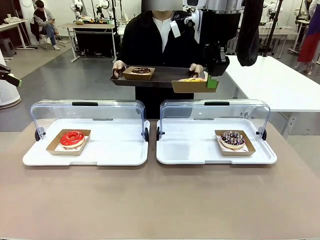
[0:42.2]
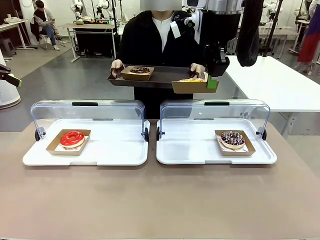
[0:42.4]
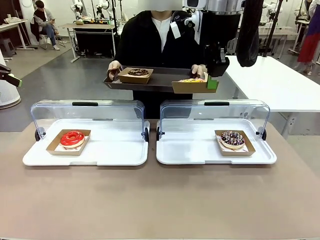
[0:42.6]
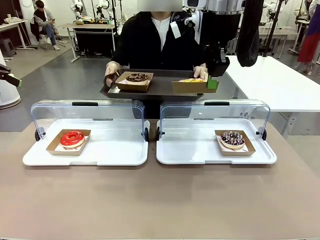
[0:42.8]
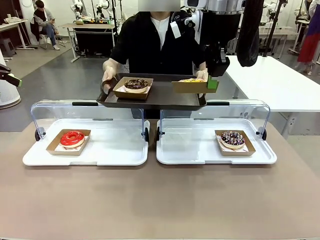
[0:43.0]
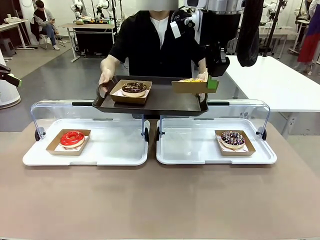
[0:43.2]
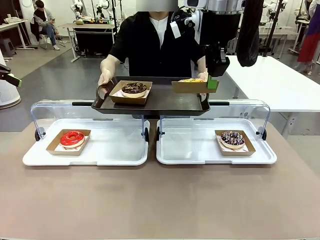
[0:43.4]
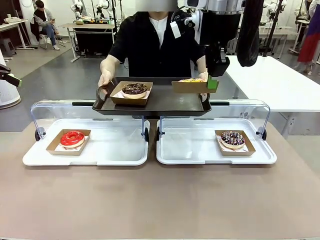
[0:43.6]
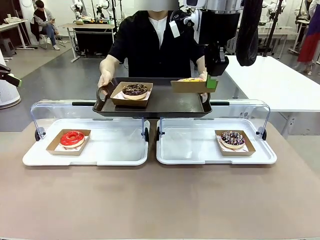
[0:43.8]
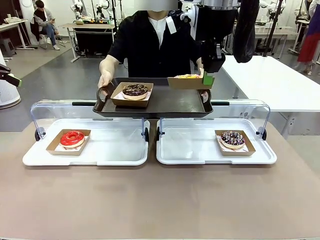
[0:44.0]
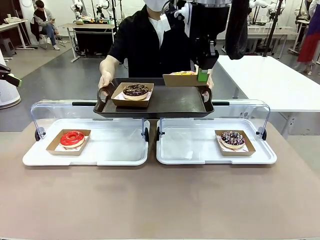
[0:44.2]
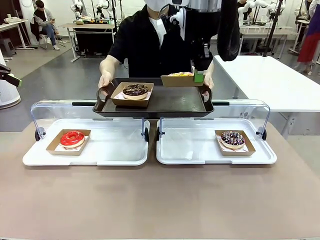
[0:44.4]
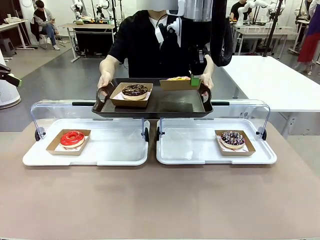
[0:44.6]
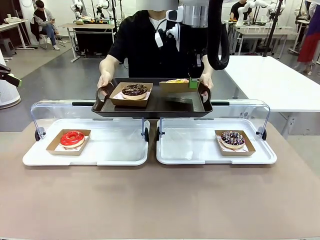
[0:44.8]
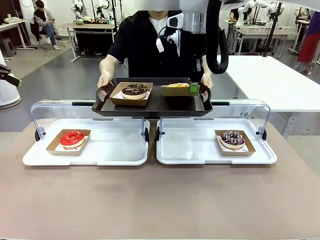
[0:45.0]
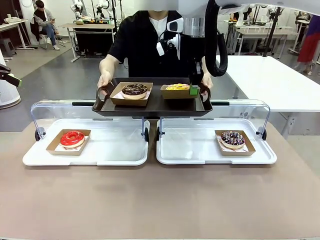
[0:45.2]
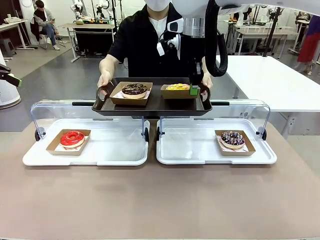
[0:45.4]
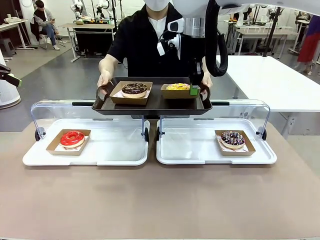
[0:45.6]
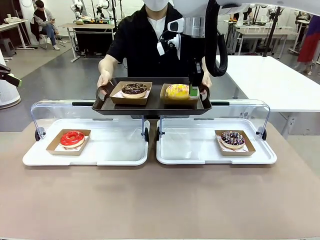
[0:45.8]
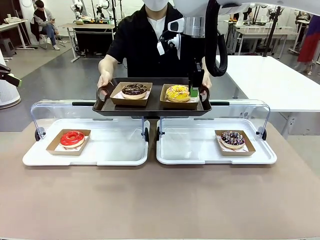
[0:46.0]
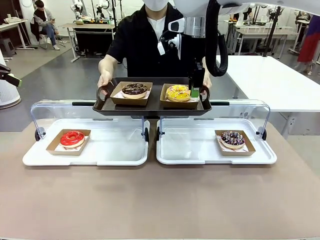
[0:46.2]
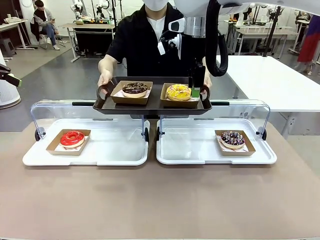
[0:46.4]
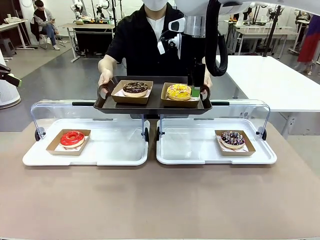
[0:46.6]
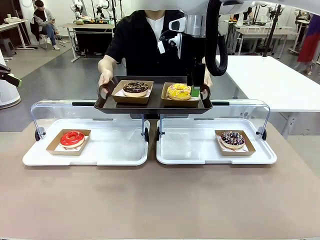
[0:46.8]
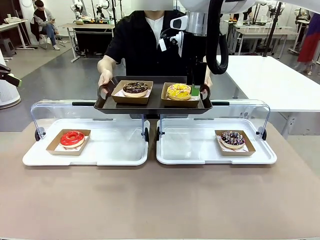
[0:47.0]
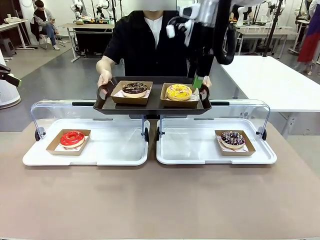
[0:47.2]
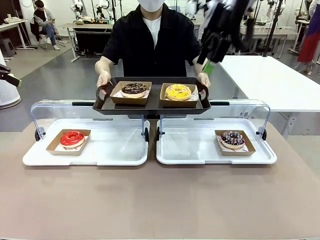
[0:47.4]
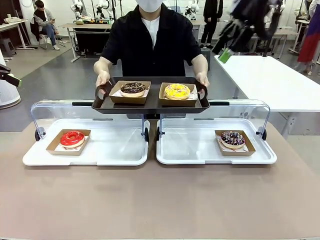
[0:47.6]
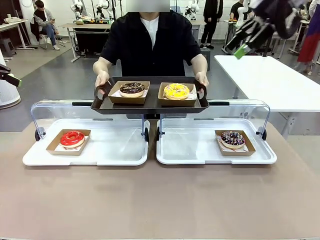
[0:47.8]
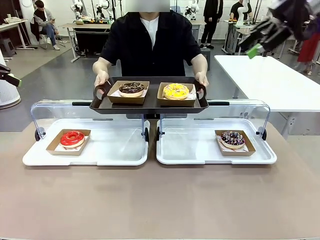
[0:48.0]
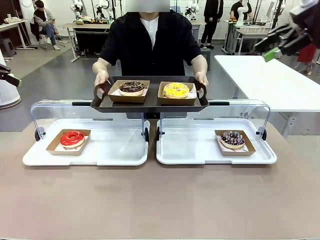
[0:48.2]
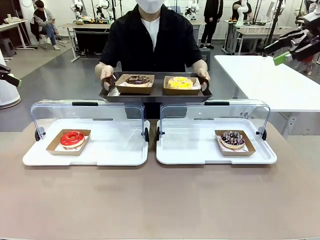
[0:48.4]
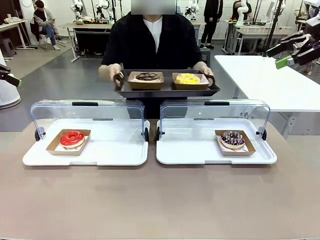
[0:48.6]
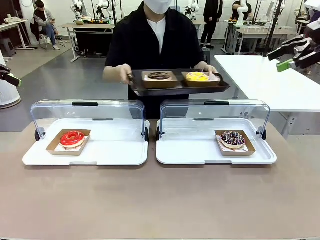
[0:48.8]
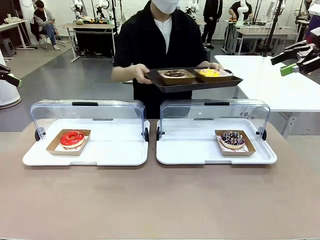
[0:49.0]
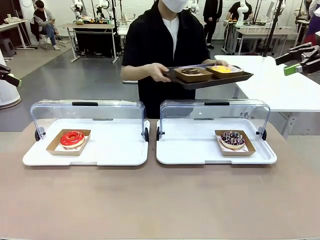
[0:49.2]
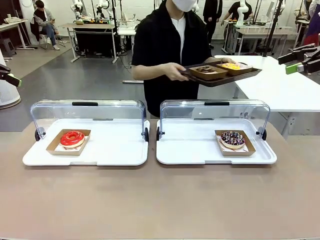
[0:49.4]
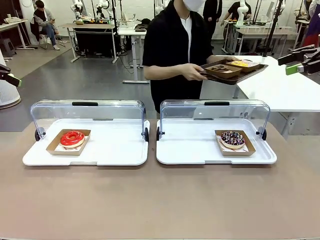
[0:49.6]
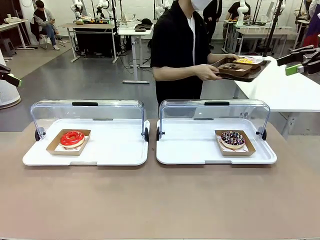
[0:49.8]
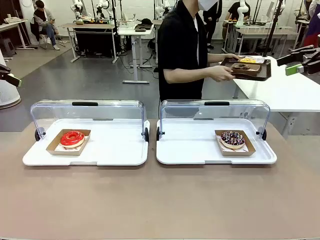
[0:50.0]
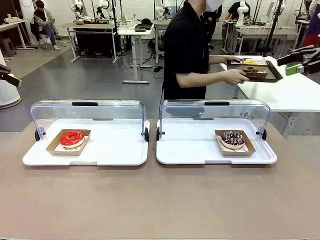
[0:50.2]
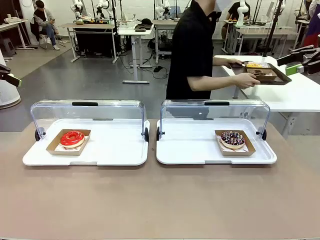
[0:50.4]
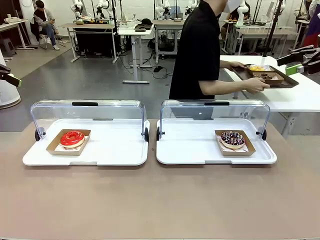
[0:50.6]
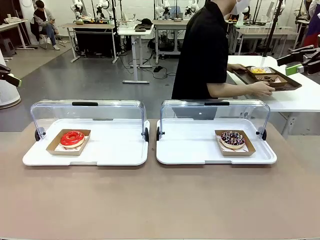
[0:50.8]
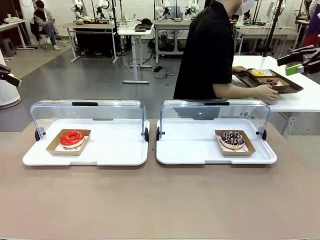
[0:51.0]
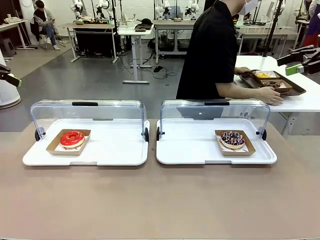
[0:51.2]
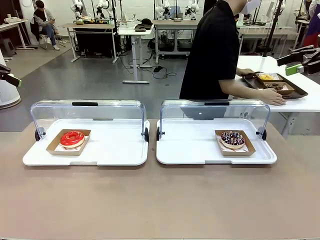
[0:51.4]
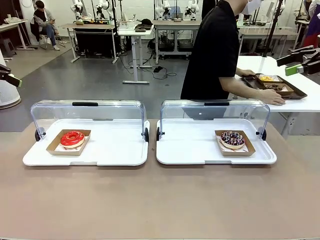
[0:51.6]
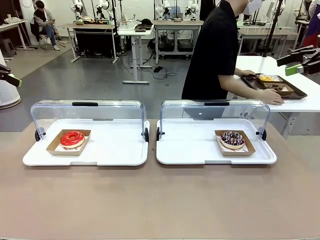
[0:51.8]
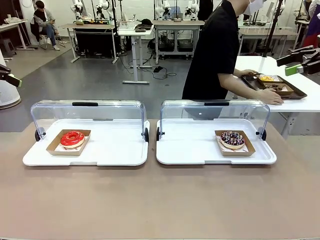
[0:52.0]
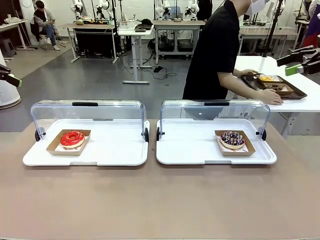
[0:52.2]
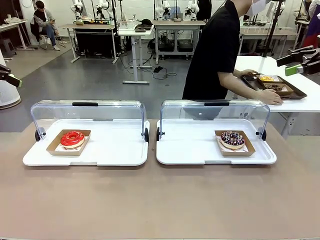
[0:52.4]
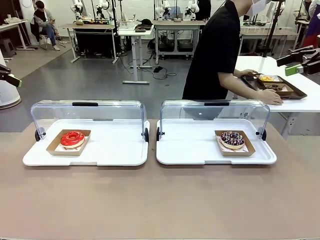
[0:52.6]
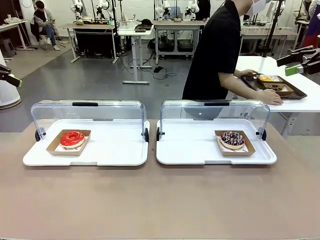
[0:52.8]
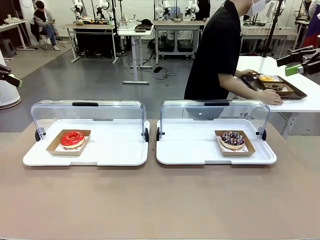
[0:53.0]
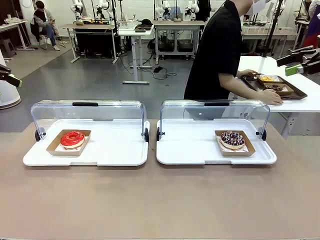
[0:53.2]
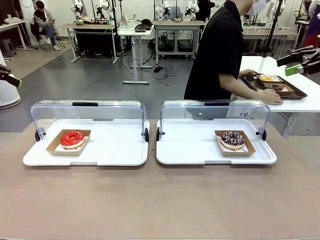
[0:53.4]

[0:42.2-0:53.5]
Task: Provide the desired donut to the person.
Robot: Place the picked Paper togo box onto the Handle tray extended by the person.
Person: Place the tray in the middle of the human table.

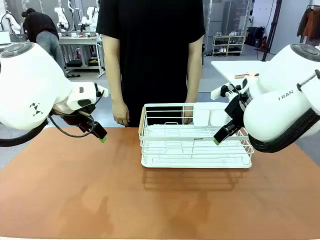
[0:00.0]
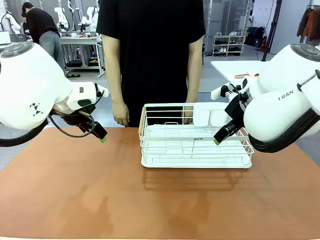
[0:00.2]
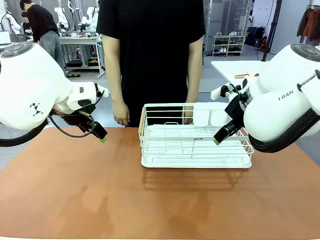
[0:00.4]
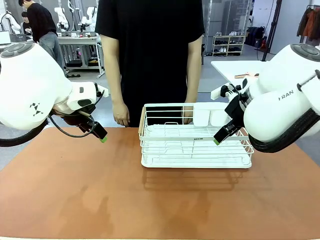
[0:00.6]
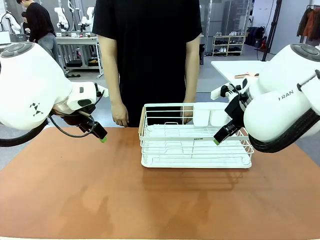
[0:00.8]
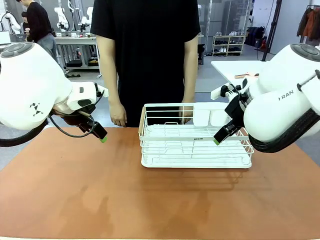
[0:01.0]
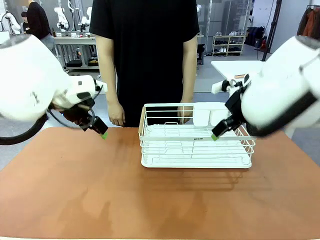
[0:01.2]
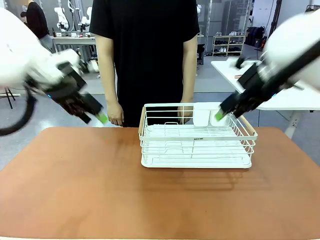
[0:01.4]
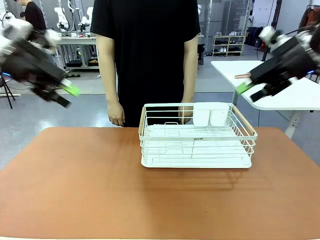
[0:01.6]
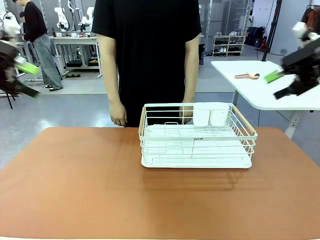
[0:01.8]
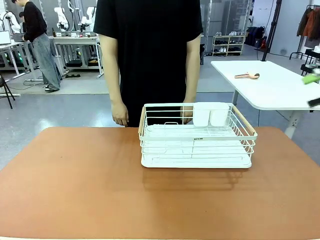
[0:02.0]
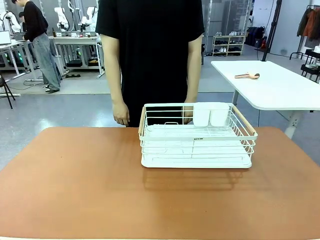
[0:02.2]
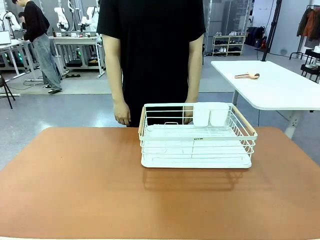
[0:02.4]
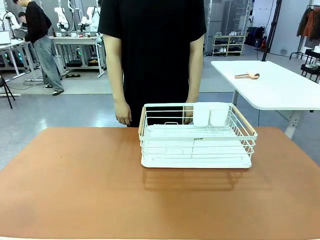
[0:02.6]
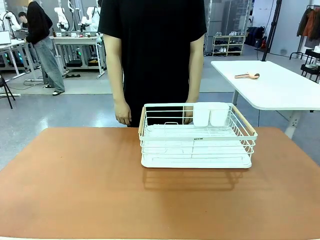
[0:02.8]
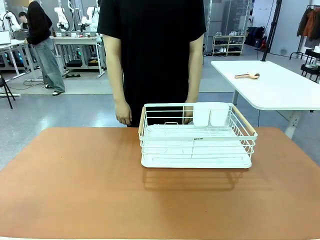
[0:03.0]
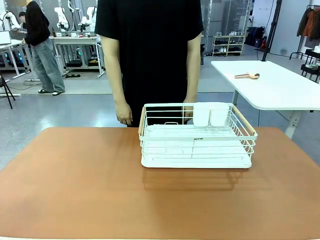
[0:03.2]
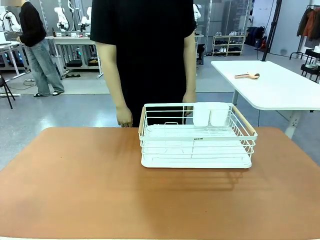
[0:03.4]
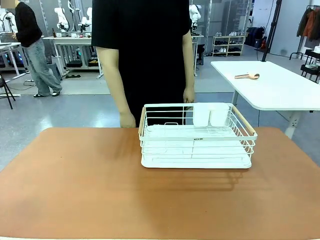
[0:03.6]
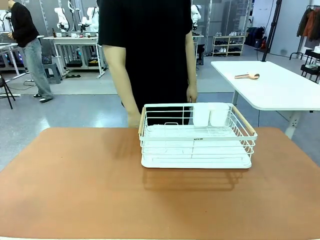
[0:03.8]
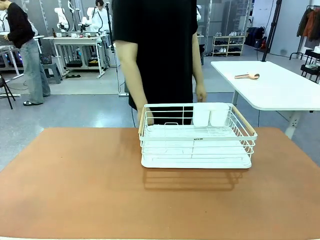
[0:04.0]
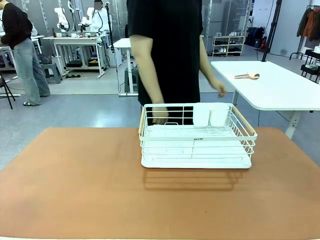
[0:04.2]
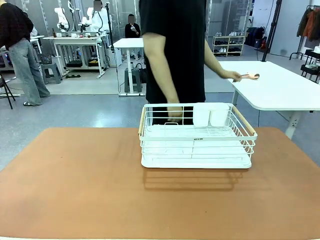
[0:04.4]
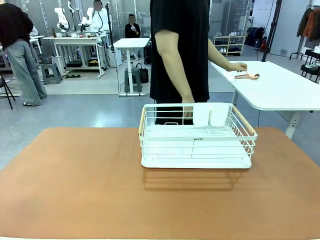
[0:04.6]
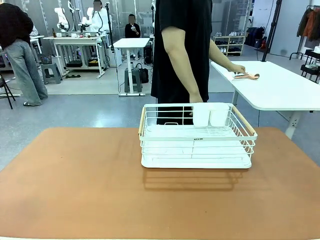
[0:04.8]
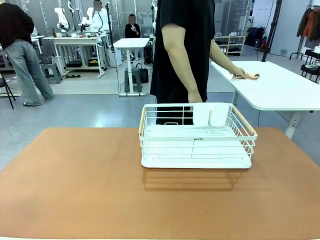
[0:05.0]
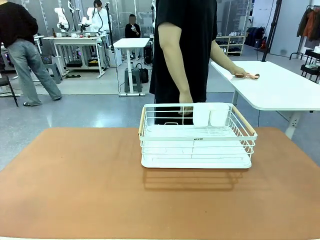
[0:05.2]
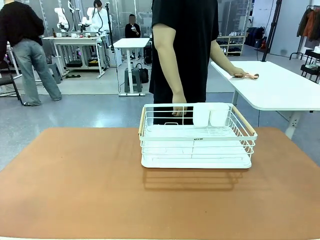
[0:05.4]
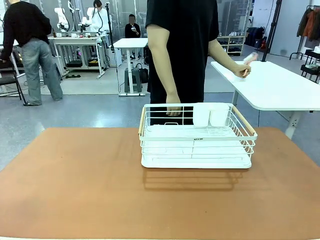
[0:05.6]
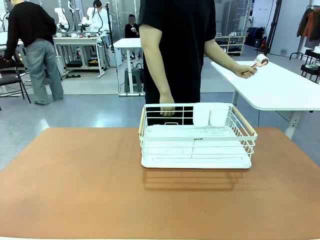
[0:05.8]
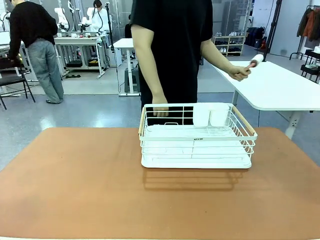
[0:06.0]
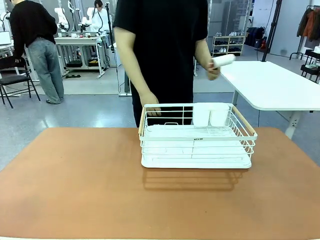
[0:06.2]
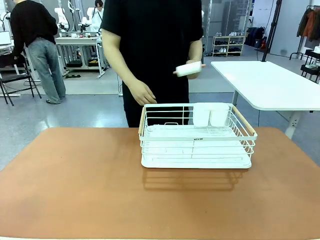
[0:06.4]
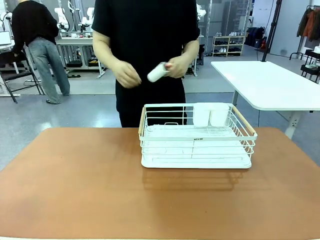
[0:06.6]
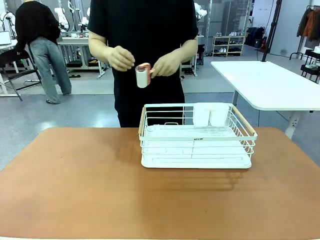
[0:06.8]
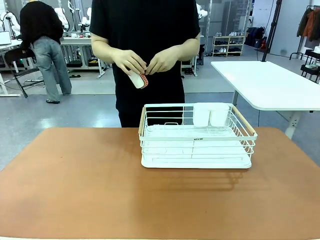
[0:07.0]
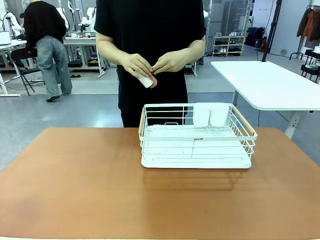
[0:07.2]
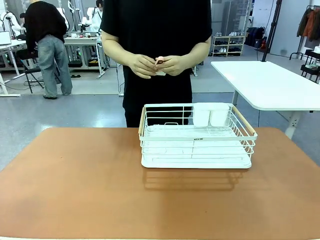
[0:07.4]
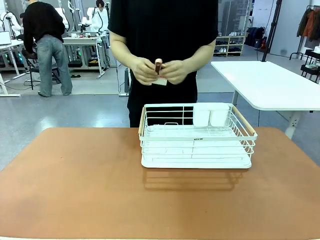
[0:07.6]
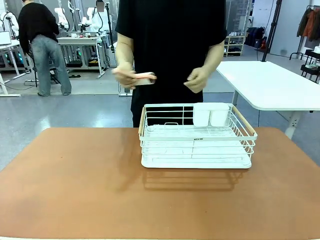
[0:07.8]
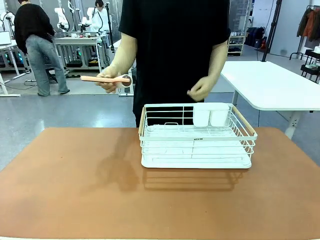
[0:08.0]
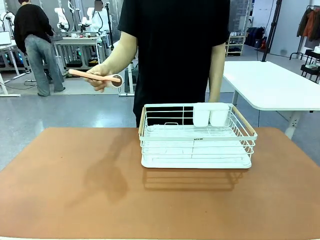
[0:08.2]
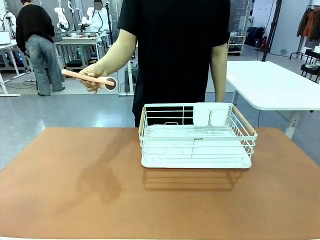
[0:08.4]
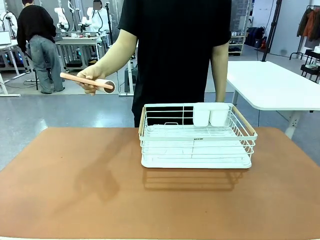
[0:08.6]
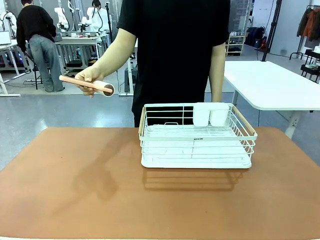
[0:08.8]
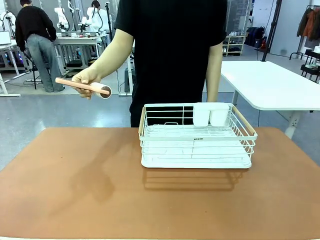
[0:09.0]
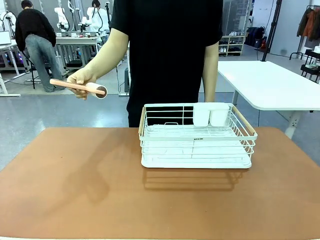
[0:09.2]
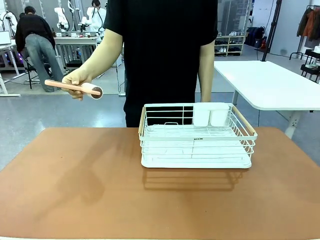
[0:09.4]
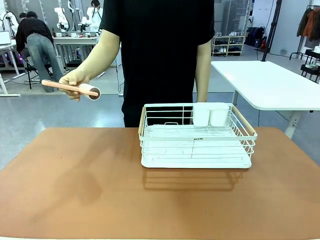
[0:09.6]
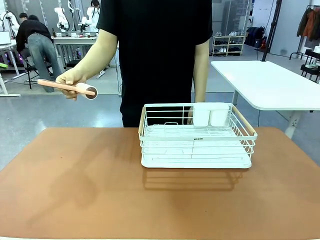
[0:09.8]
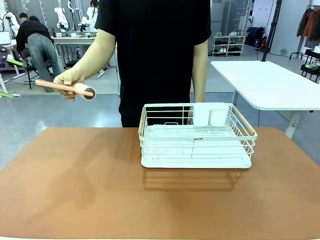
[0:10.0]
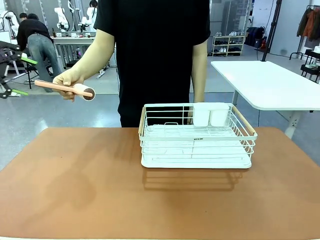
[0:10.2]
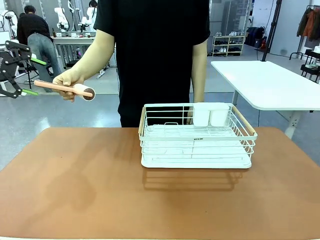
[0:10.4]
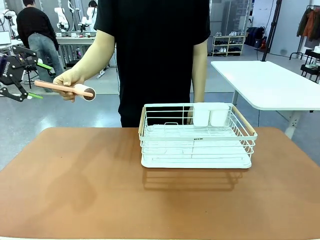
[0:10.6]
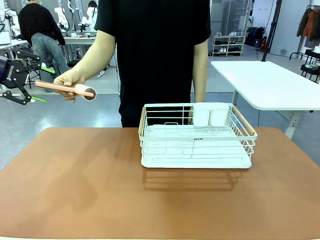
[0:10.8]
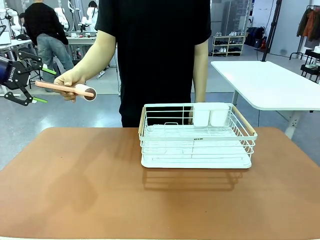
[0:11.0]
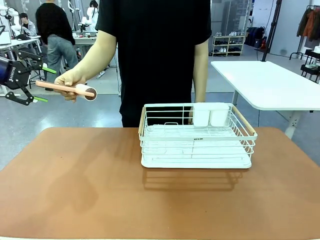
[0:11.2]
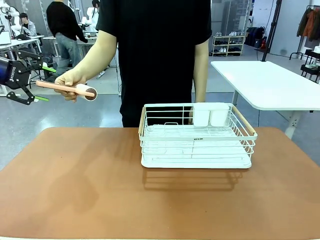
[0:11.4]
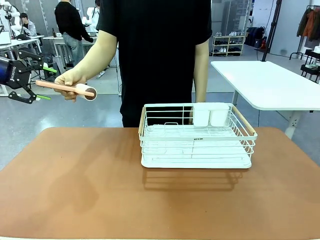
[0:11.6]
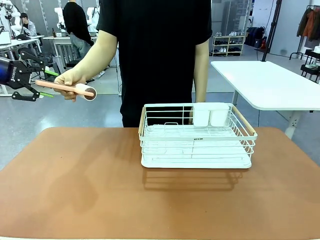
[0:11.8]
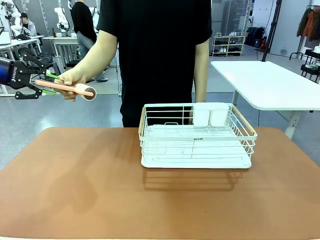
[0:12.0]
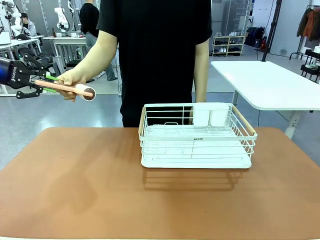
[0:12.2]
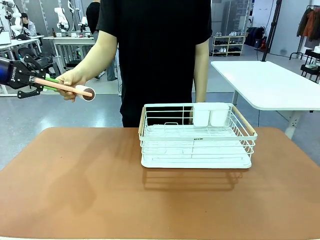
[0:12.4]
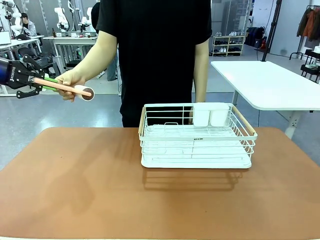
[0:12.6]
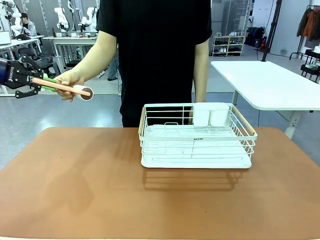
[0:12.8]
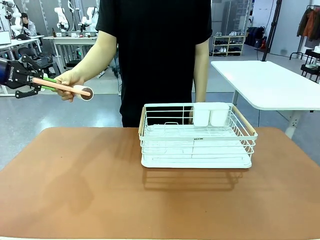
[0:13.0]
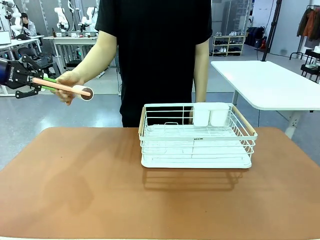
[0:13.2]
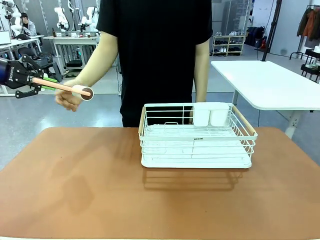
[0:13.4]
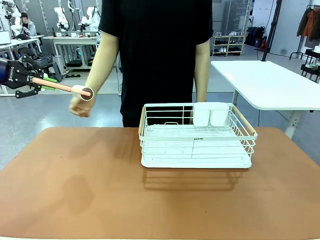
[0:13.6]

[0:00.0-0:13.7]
Task: Clean the table.
Robot: Pick up the Lint Roller when the human hands it over.
Person: Hand the Lint Roller to the robot so it can easily pick it up. Lift the Dish drying rack.
